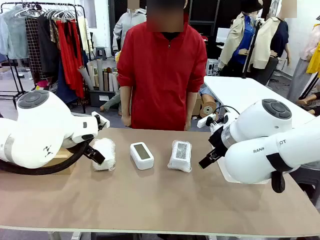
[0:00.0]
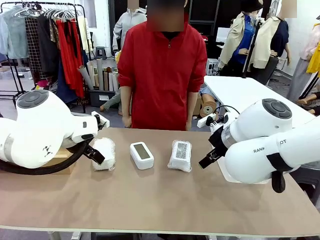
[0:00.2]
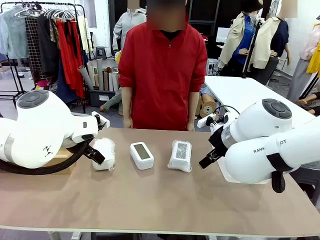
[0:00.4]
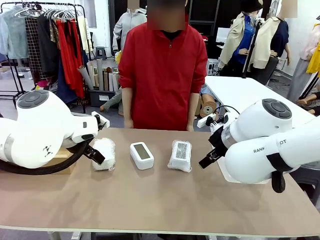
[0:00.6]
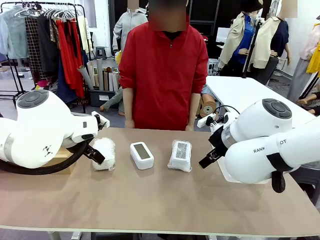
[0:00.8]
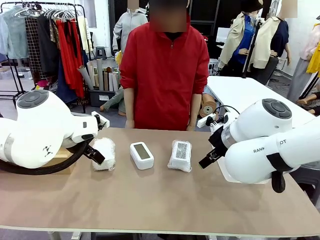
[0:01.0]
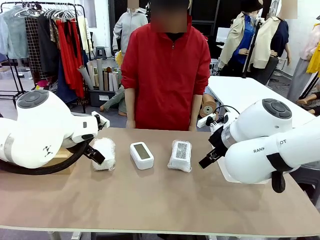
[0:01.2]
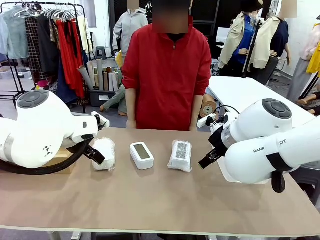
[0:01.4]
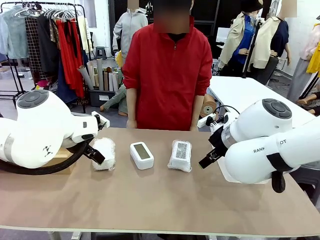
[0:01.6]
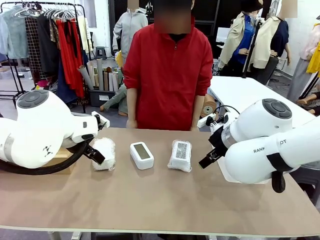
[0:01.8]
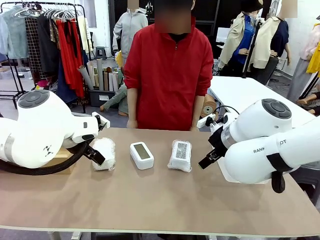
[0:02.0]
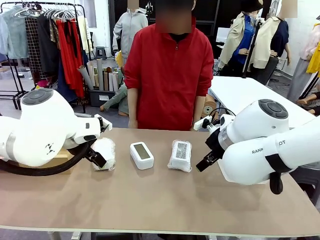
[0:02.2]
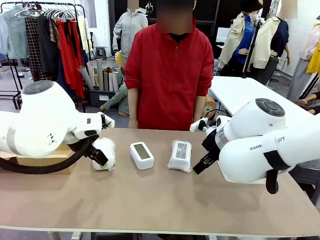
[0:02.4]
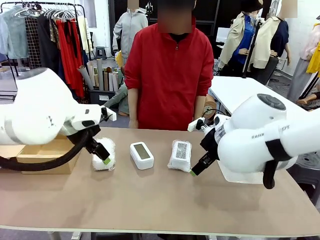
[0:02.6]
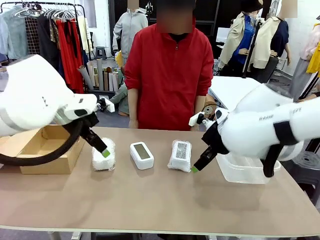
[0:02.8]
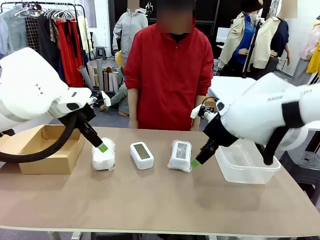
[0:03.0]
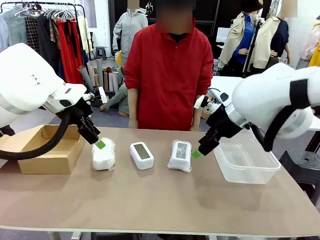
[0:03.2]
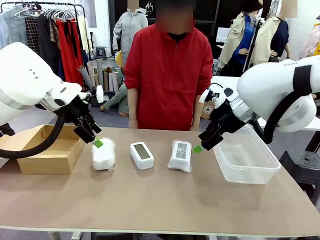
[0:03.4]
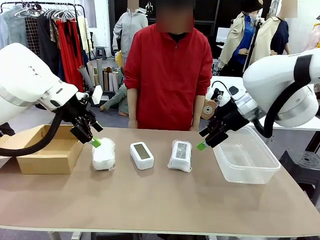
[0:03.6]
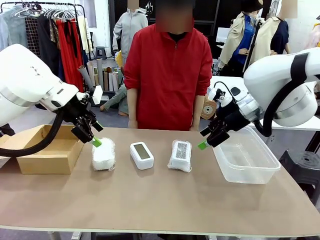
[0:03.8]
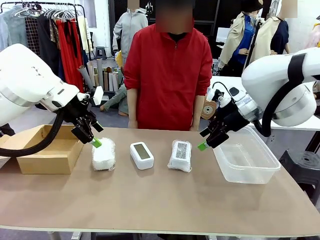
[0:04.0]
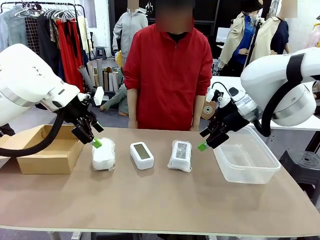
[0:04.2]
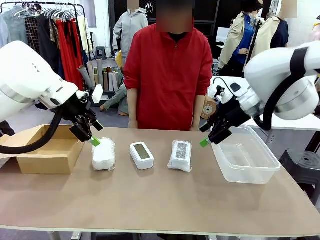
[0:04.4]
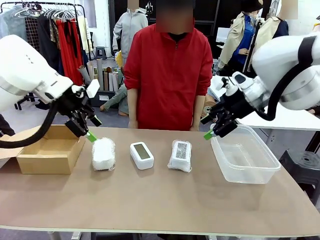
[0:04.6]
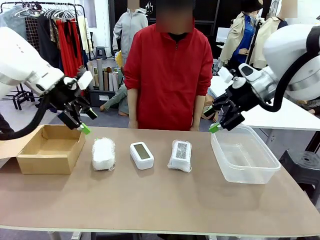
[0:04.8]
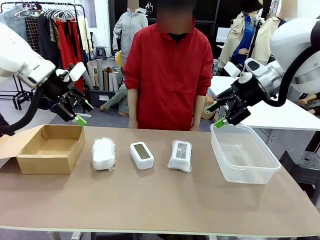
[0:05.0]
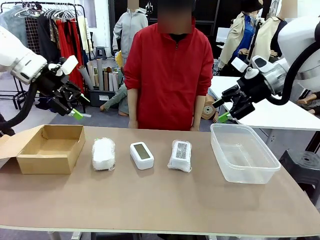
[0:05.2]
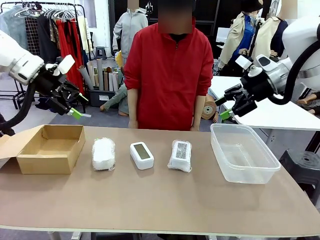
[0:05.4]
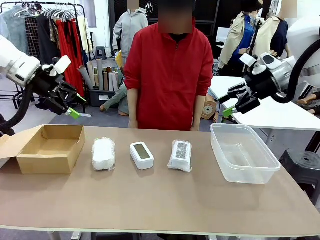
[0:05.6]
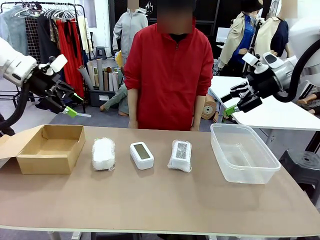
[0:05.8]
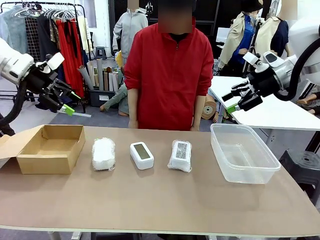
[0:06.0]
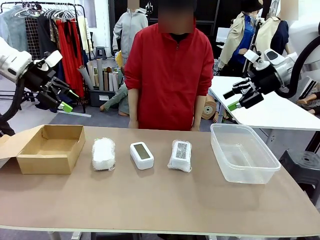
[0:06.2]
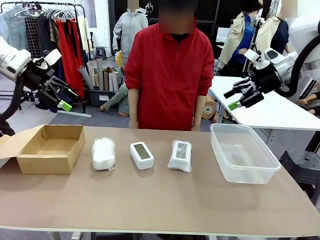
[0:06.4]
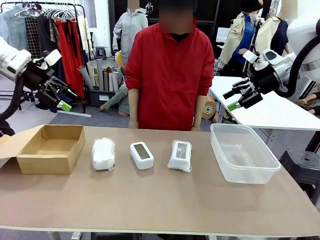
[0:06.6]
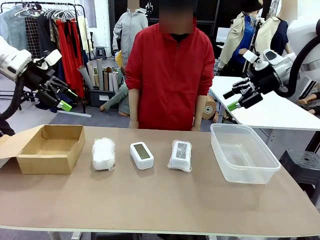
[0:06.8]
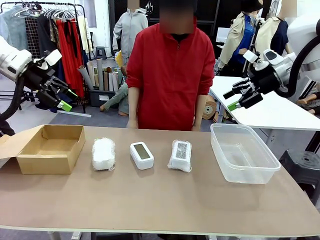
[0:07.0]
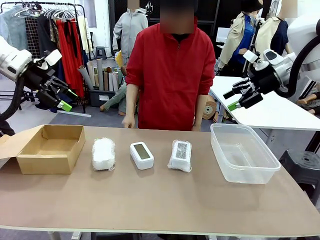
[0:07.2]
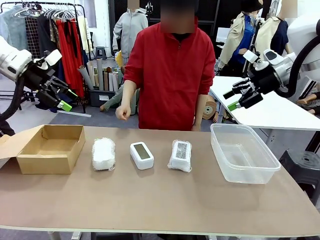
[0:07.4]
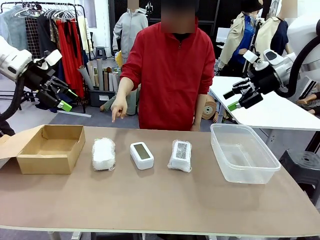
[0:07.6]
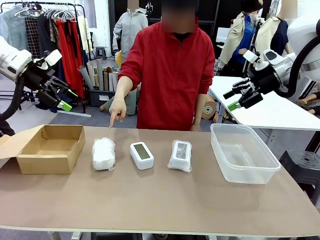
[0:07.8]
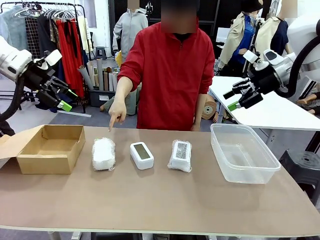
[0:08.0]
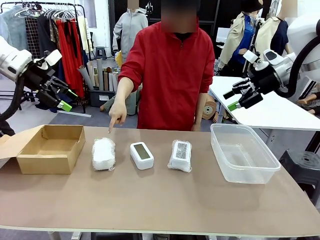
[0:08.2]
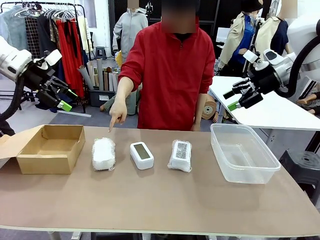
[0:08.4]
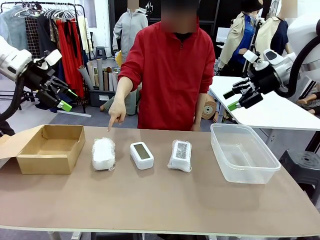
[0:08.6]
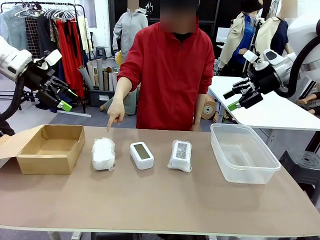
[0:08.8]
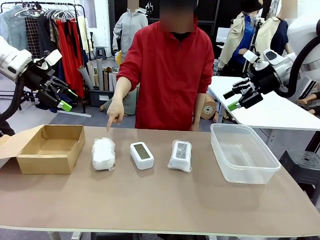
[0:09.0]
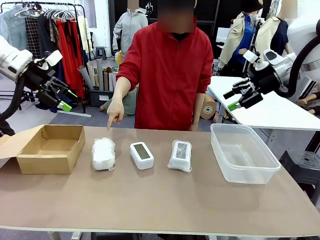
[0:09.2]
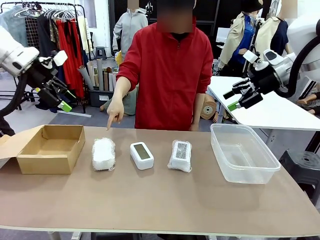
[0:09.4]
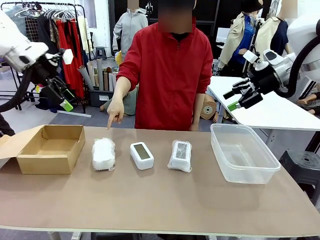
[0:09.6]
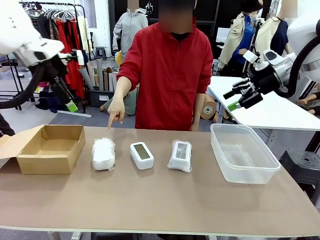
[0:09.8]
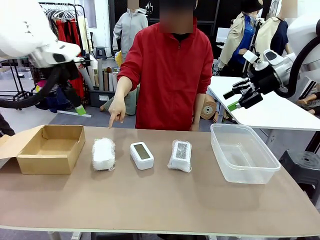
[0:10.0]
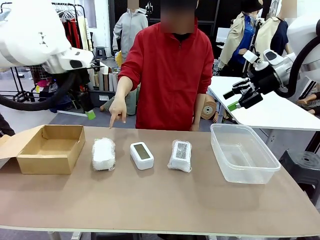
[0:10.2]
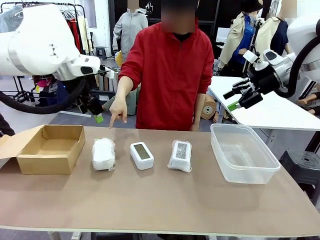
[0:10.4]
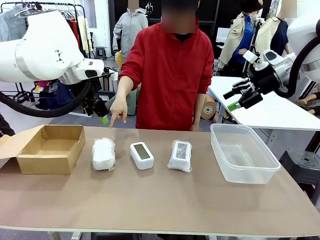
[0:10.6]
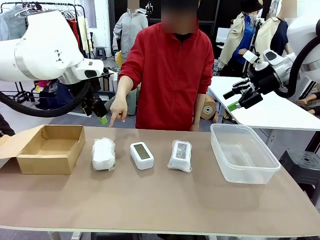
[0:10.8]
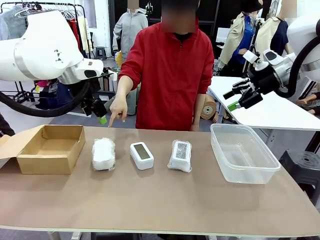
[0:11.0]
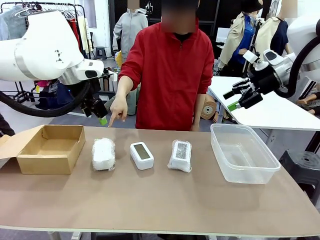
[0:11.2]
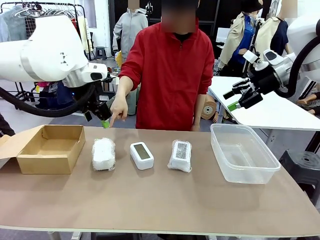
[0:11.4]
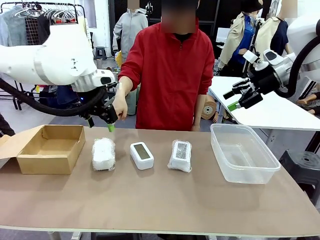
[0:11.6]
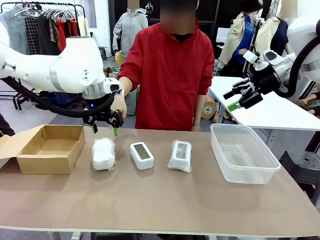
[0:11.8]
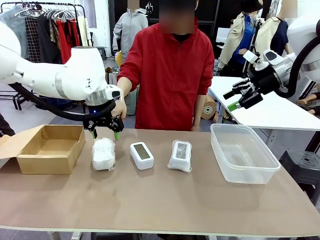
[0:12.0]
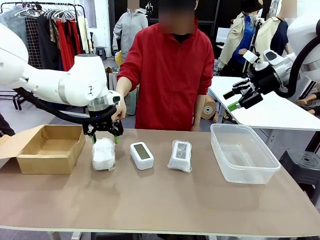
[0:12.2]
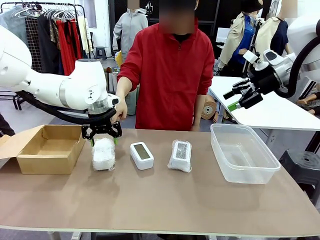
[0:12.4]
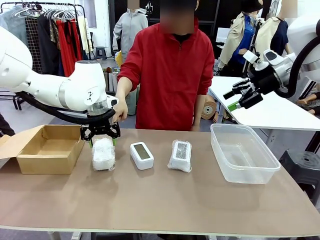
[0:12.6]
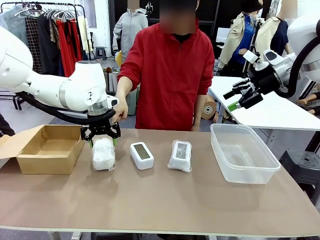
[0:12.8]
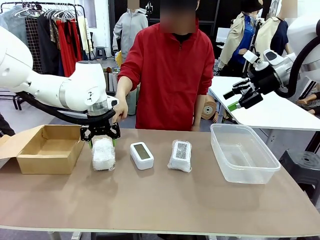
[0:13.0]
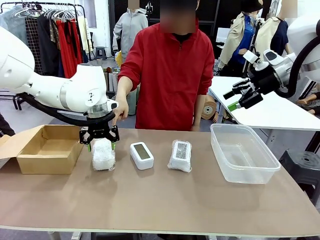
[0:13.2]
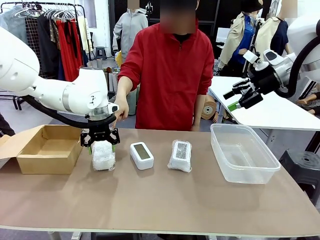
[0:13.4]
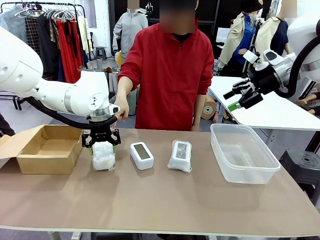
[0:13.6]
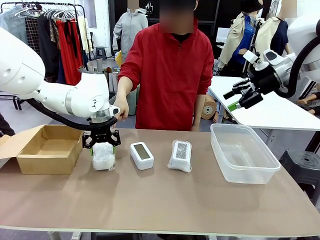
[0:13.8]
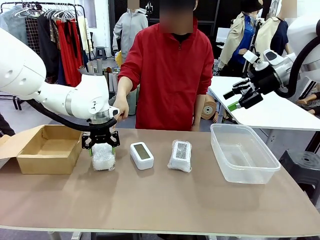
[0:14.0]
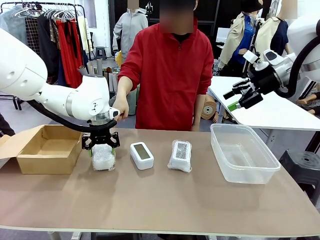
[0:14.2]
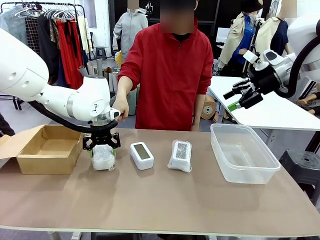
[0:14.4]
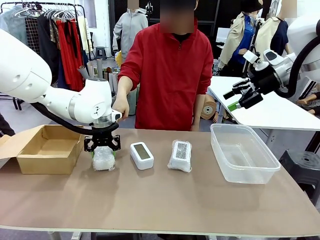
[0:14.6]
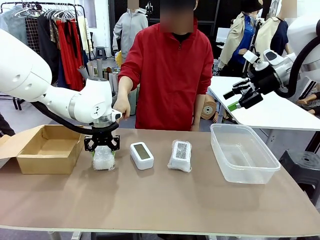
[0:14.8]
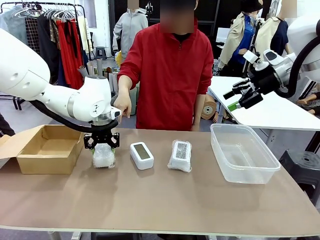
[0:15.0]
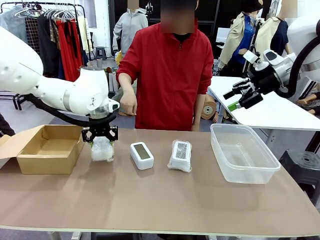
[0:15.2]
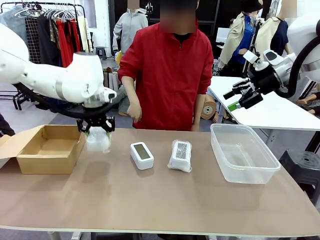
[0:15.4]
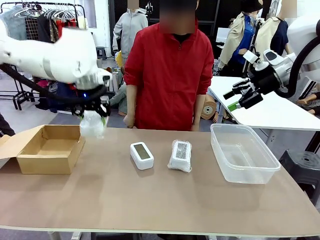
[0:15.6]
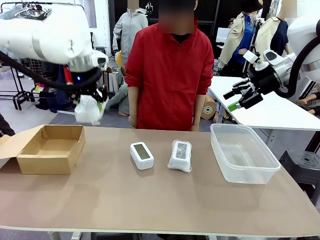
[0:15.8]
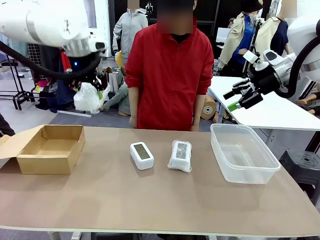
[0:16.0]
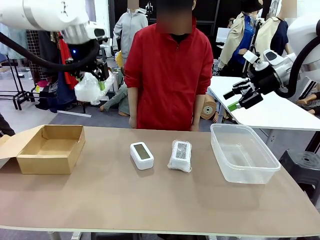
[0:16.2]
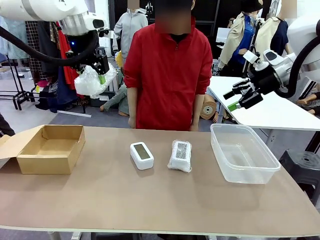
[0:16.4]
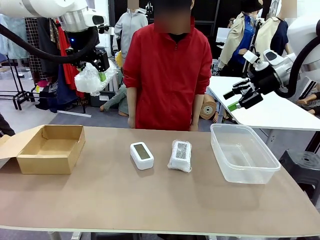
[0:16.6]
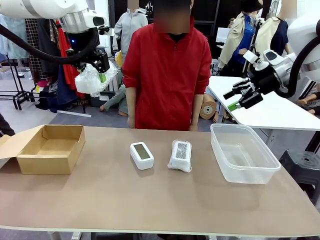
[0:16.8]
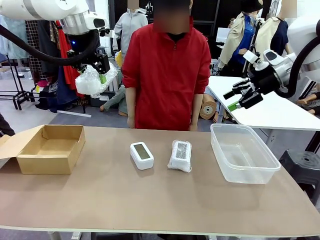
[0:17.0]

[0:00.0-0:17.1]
Task: Separate and place wrapped and unwrapped clocks.
Robot: Pick up the Digital clock indicated by the person.
